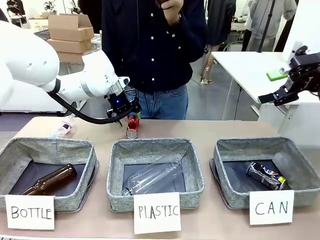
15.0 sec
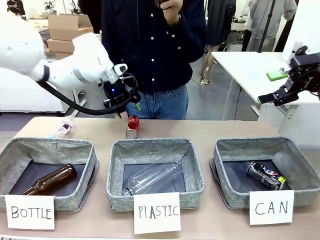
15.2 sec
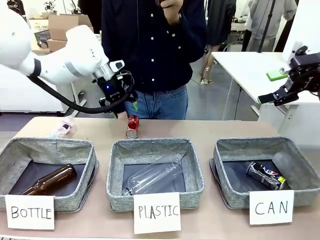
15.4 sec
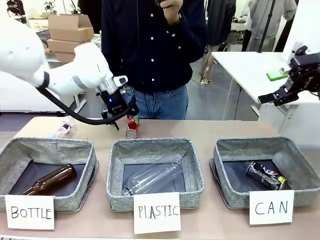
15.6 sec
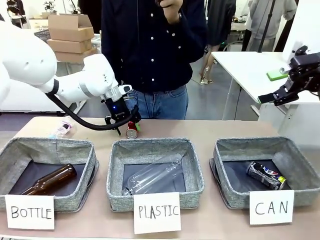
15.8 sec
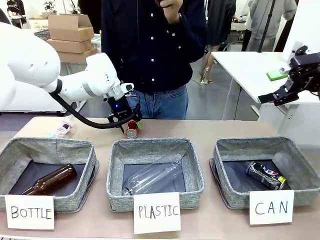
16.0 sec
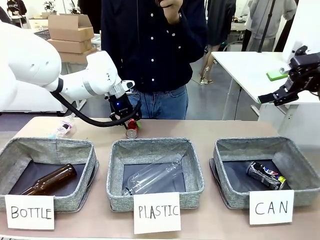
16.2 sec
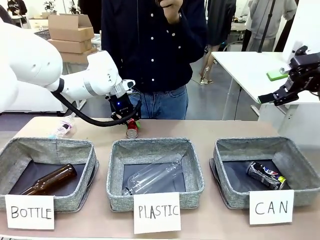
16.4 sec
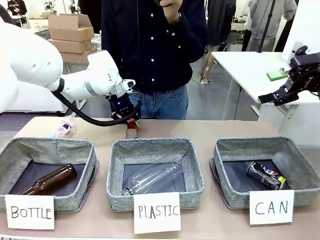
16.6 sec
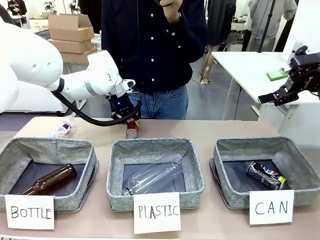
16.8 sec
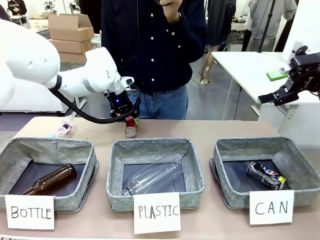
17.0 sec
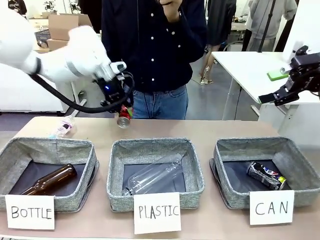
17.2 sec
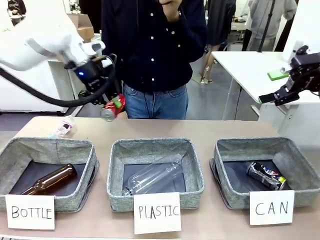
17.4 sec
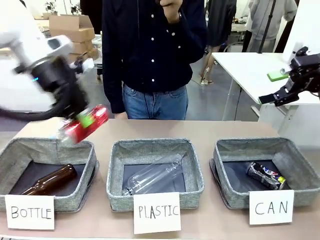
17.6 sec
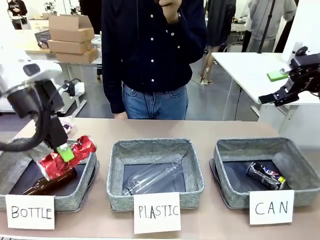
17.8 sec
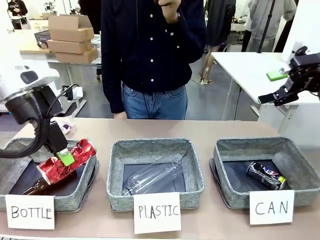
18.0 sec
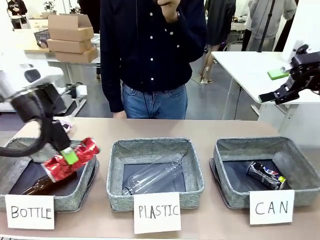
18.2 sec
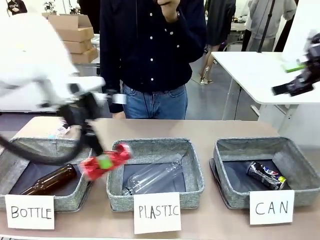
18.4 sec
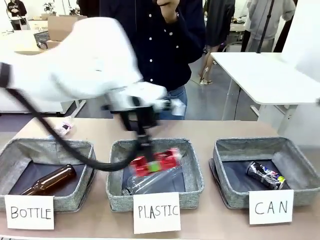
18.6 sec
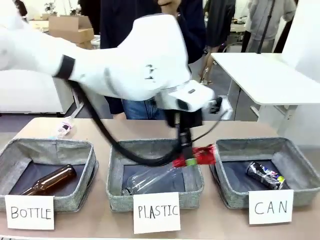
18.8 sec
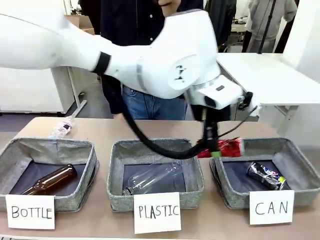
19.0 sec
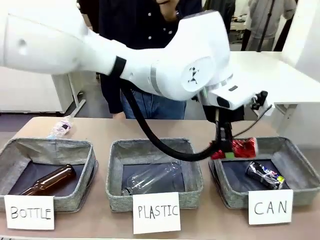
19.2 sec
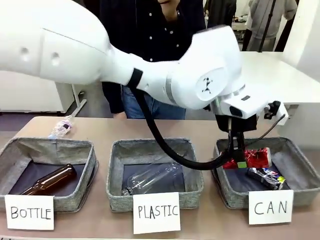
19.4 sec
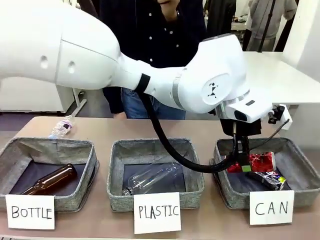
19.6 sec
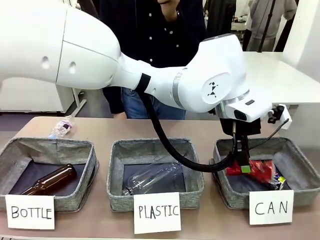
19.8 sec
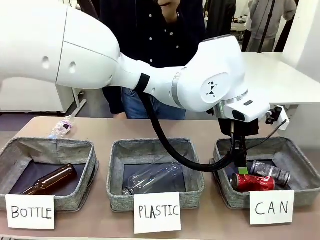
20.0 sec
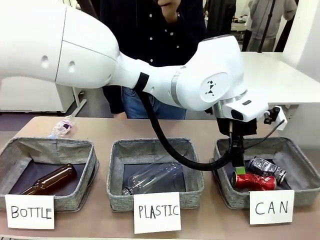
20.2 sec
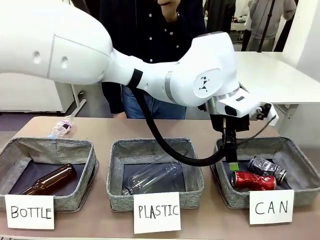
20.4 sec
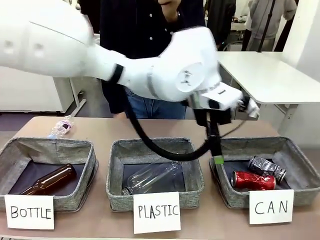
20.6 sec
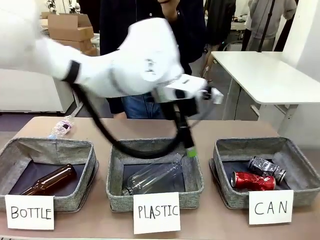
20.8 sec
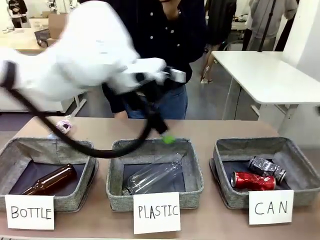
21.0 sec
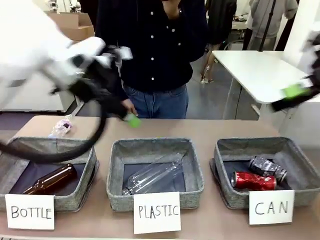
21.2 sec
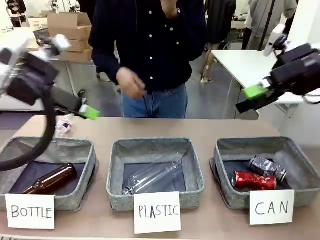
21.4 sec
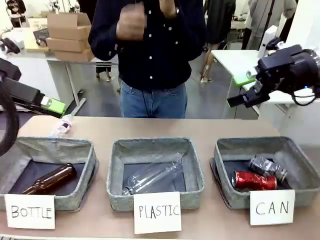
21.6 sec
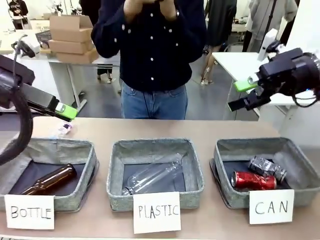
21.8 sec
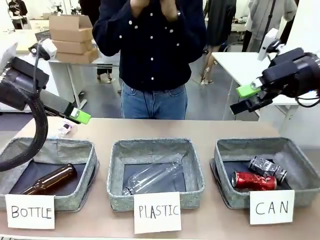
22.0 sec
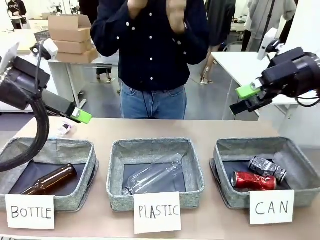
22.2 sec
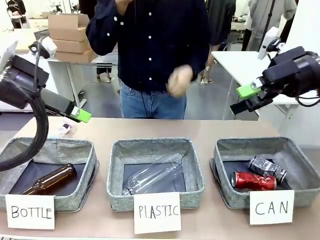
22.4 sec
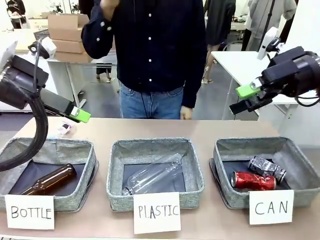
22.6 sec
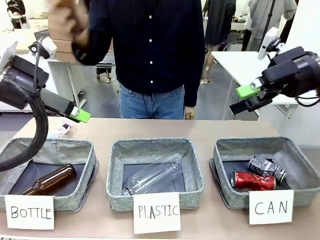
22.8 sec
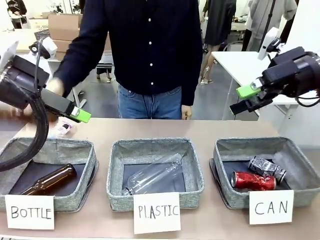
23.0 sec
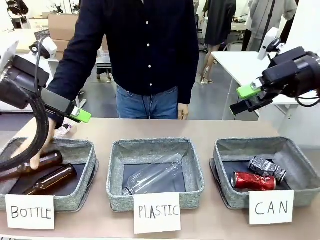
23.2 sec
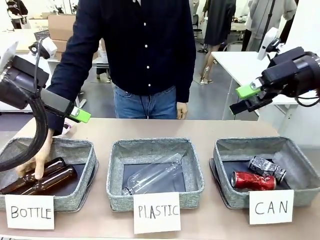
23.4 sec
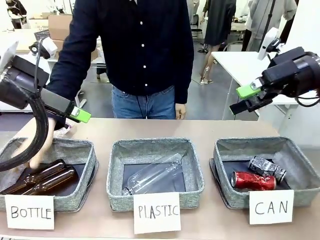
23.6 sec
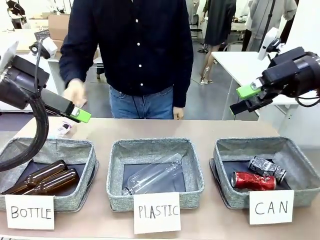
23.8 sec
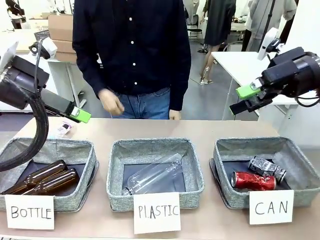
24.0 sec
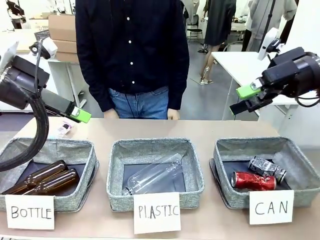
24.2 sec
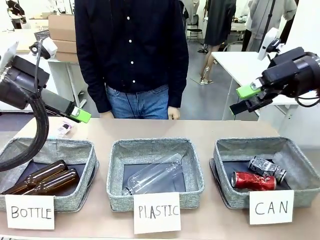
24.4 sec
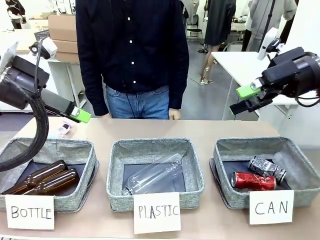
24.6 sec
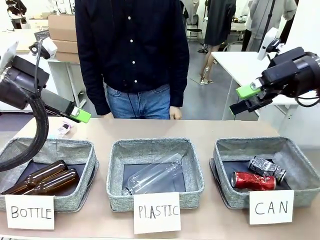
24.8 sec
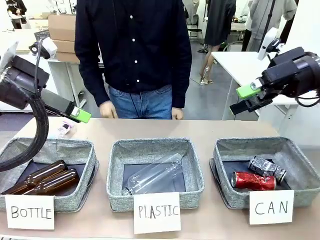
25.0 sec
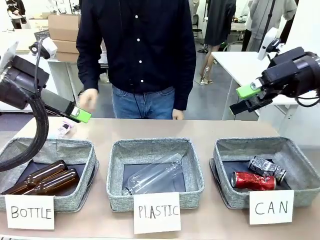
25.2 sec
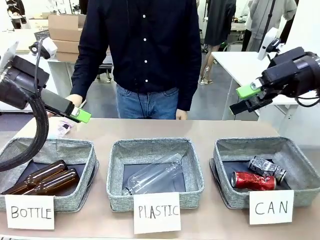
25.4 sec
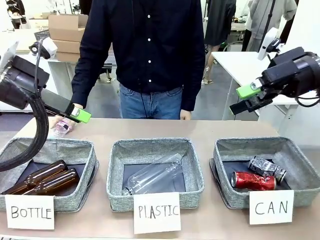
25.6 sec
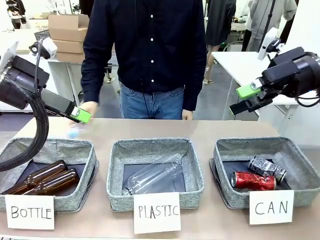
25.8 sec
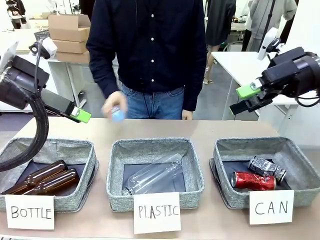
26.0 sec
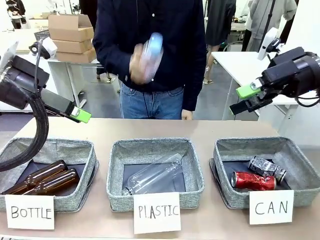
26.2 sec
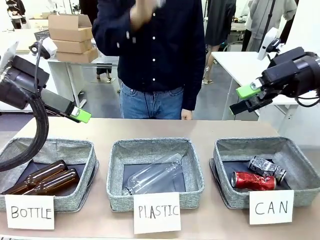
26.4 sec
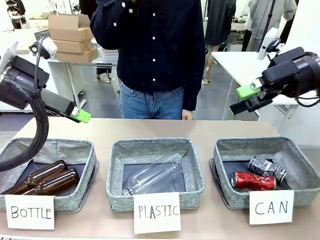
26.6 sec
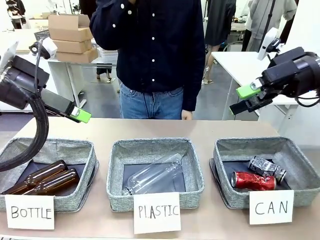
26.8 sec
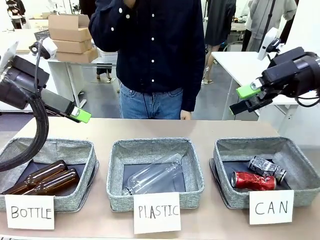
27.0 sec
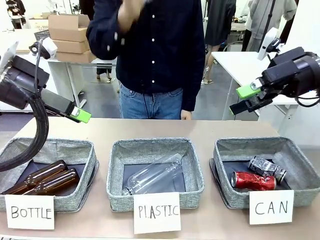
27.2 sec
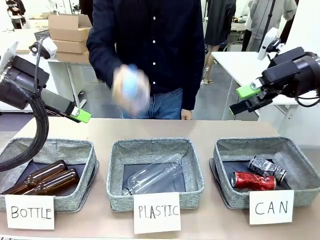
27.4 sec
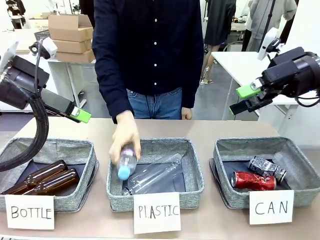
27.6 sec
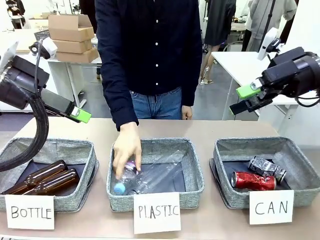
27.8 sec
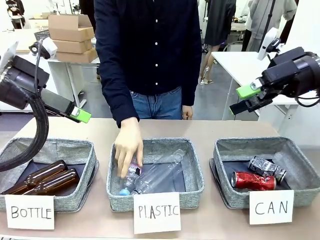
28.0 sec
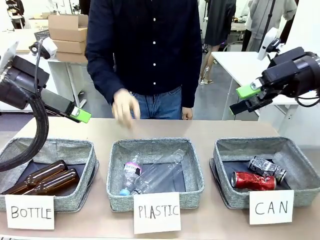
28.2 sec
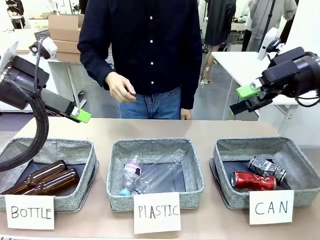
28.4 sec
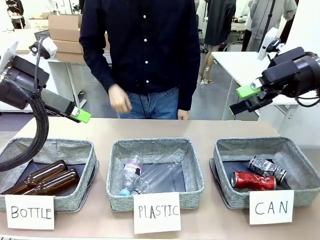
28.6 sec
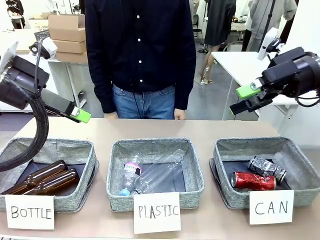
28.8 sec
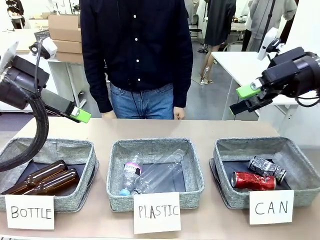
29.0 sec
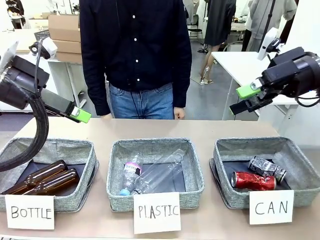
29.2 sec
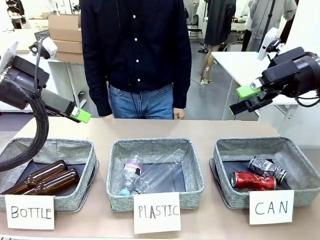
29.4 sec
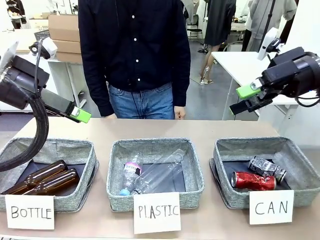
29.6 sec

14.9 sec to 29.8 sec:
Task: Sort the can waste into the basket.
Robot: Pick up the can waste from the table and place it in the right Fabric basket.

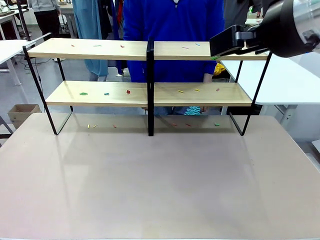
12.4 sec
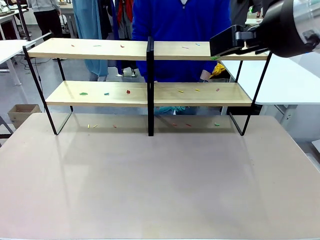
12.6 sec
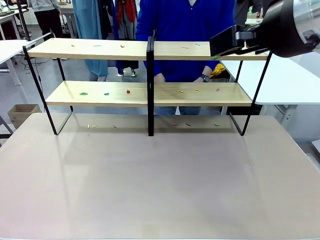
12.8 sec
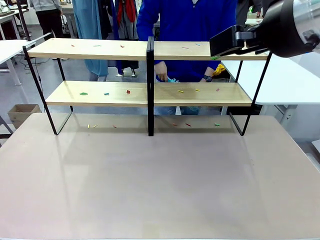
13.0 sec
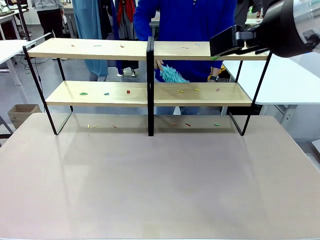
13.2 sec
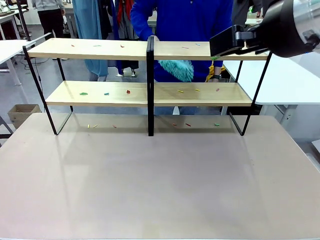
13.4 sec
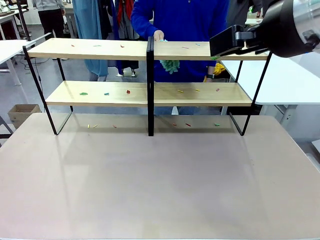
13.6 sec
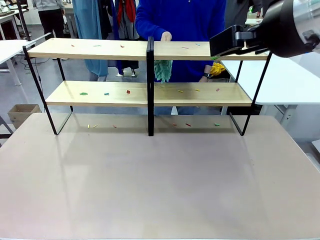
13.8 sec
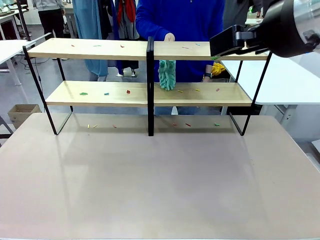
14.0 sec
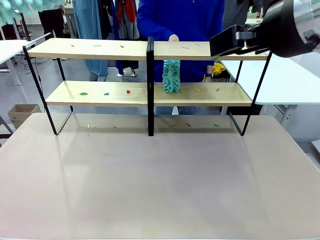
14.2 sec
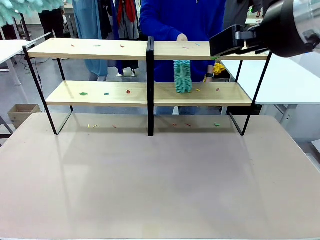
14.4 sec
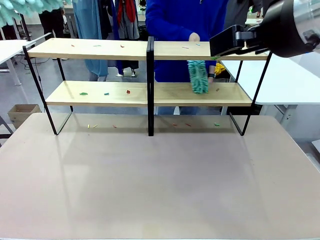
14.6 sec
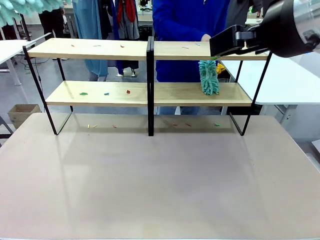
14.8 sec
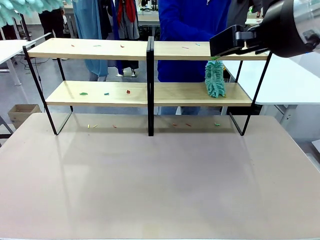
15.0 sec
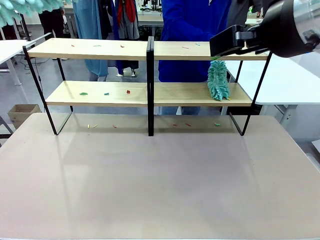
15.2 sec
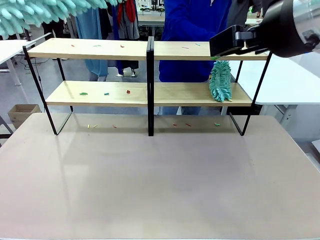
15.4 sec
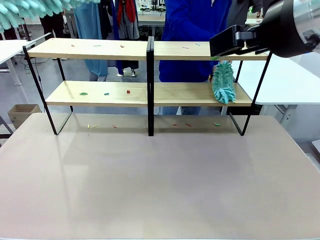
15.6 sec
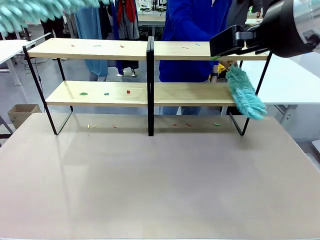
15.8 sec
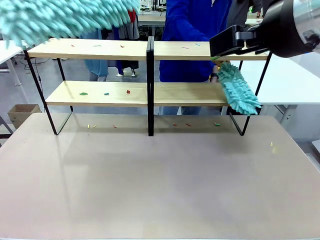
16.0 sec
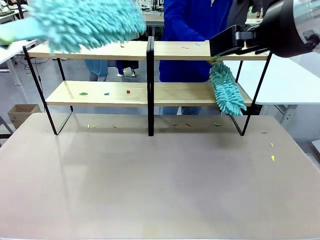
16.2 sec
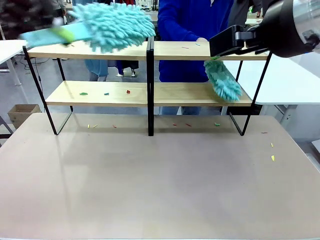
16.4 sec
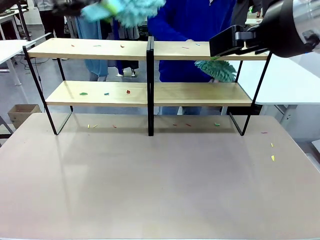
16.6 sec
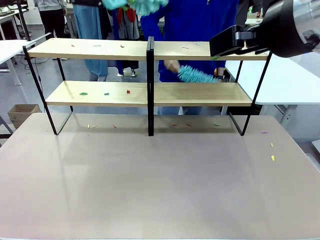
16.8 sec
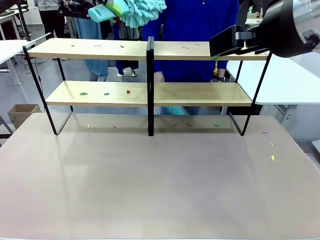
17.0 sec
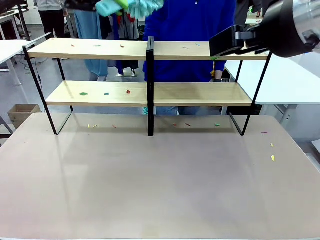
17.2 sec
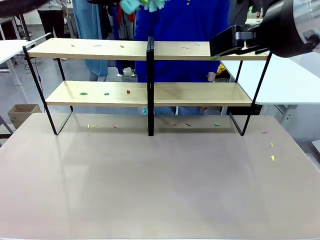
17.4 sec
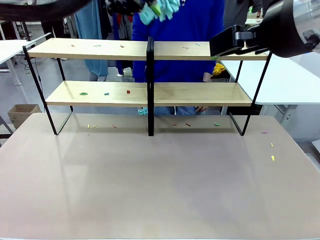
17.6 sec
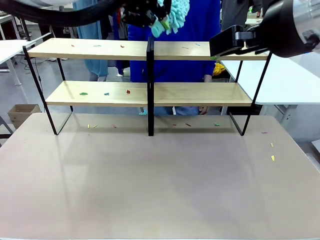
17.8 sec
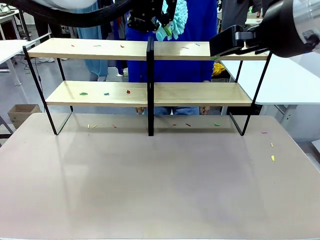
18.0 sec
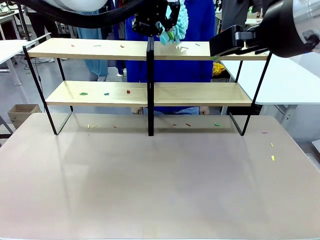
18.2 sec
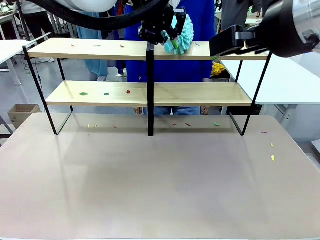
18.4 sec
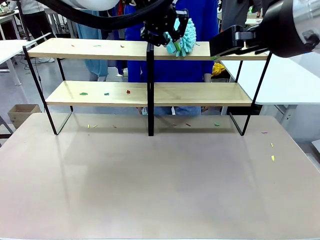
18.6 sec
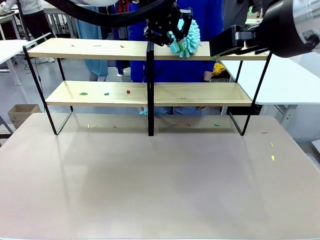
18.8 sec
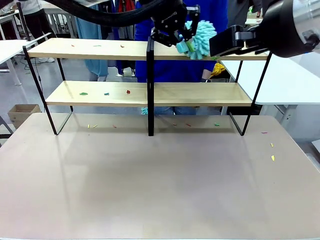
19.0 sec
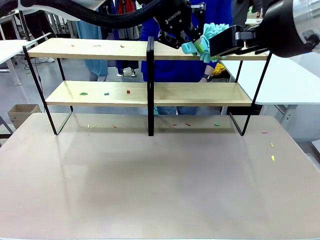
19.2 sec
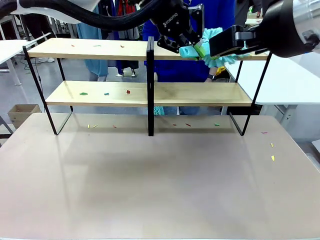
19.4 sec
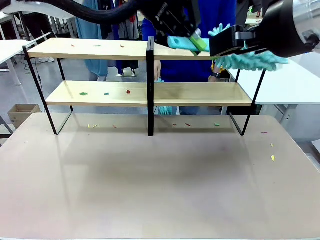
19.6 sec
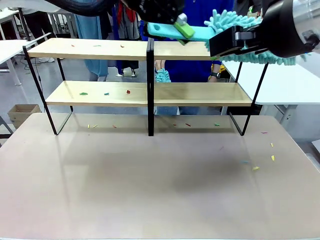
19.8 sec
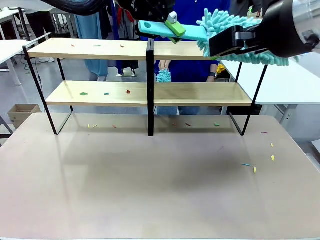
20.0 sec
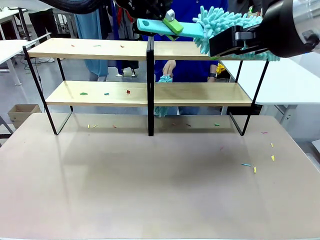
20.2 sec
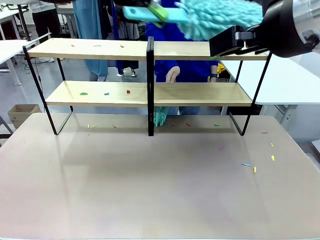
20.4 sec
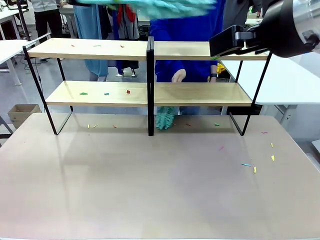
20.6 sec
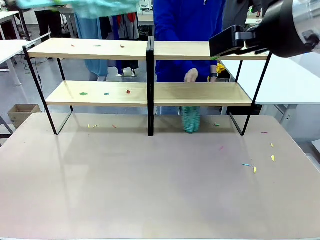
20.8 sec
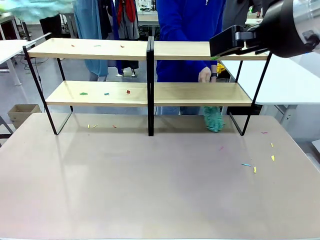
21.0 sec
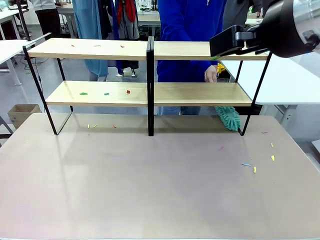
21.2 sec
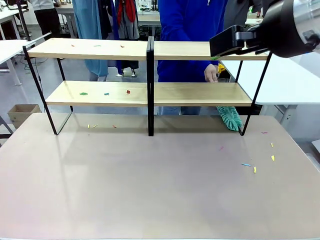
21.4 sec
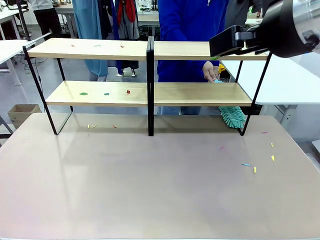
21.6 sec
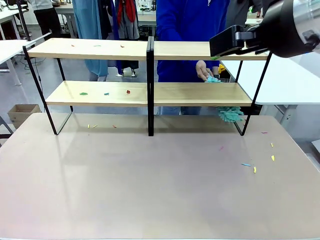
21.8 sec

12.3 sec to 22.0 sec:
Task: Clean the shelves.
Robot: Clean a randomly selected level of the Shelf with the Duster.
